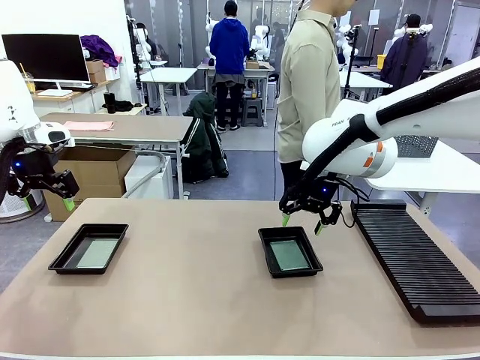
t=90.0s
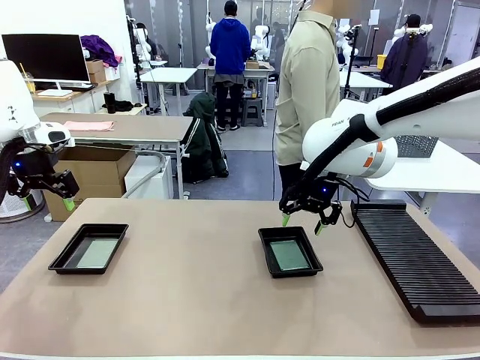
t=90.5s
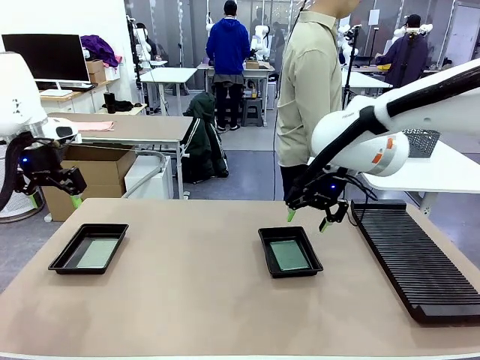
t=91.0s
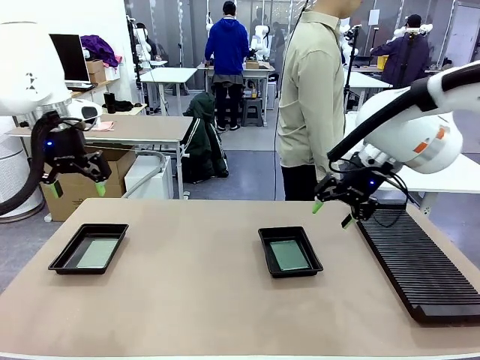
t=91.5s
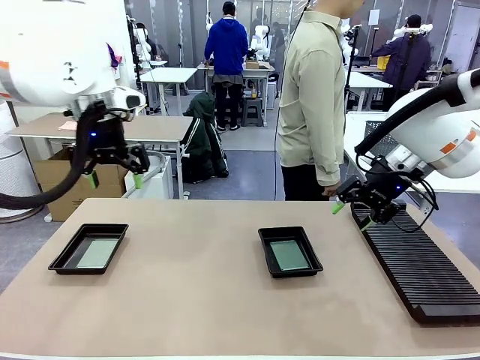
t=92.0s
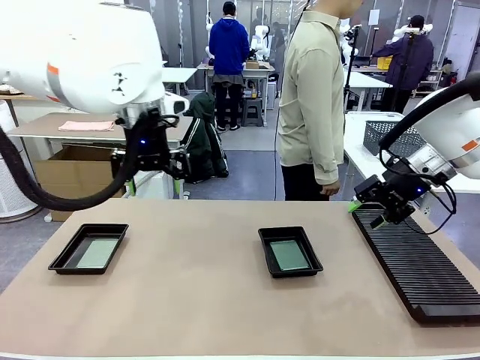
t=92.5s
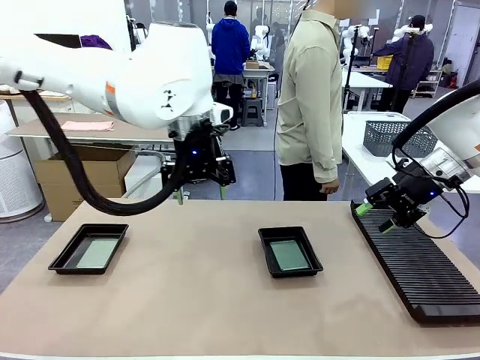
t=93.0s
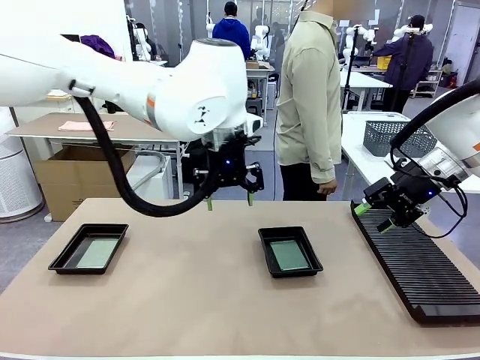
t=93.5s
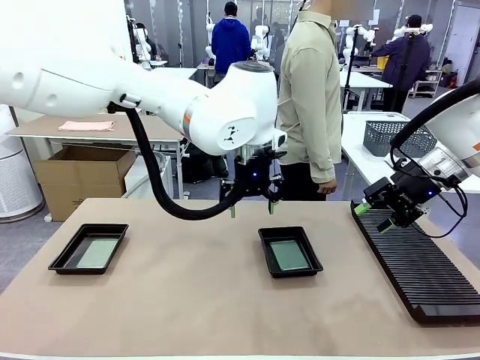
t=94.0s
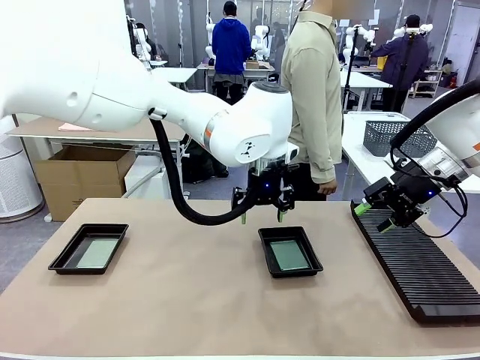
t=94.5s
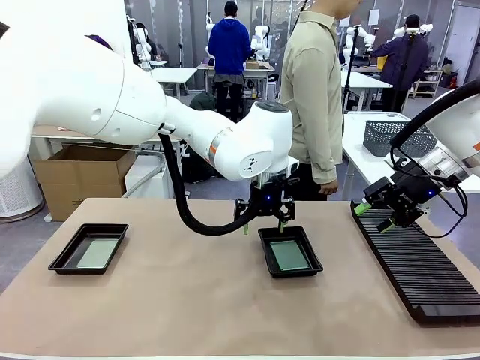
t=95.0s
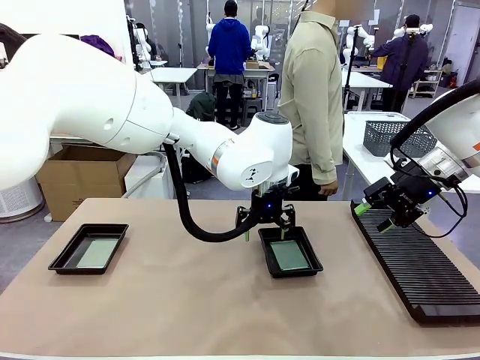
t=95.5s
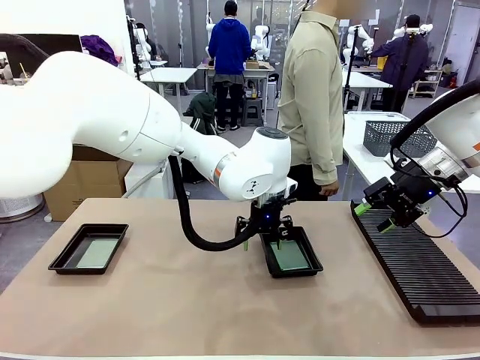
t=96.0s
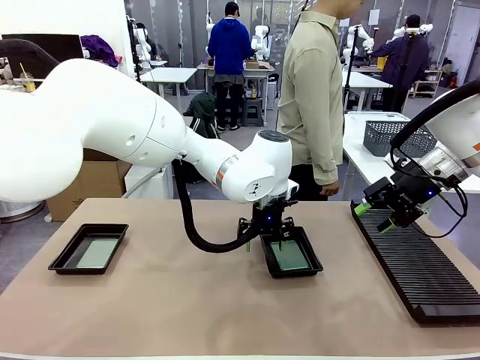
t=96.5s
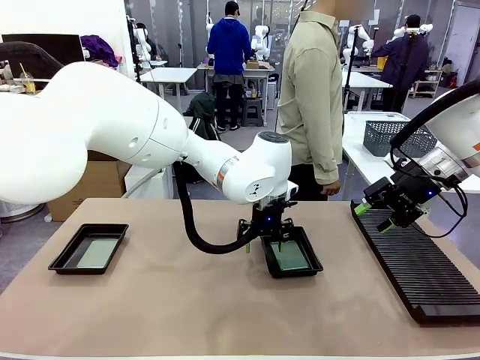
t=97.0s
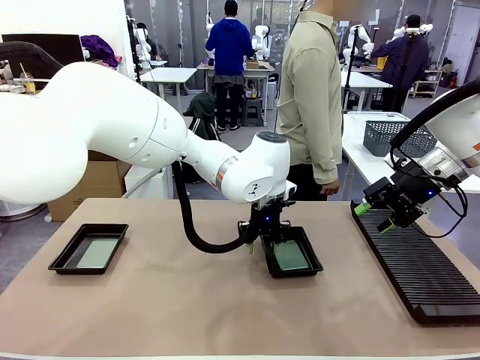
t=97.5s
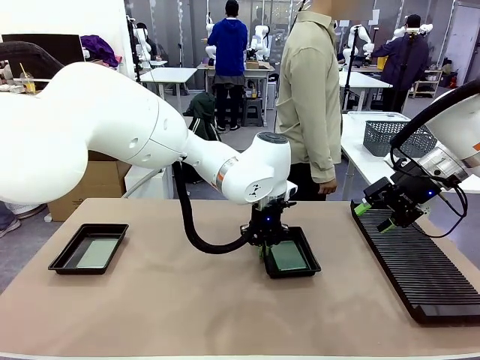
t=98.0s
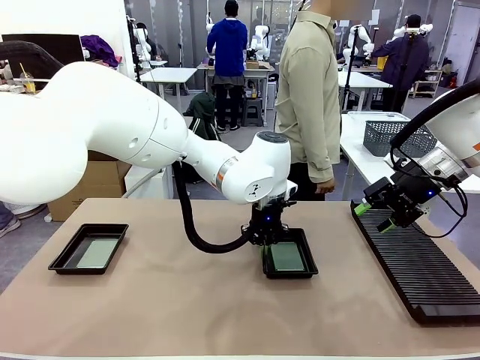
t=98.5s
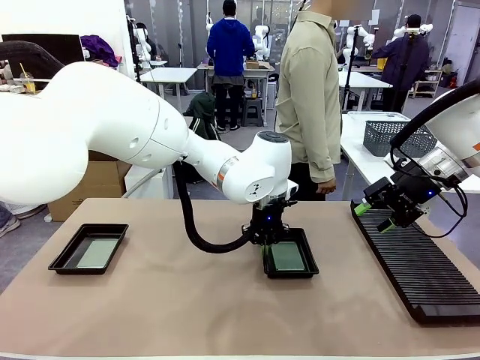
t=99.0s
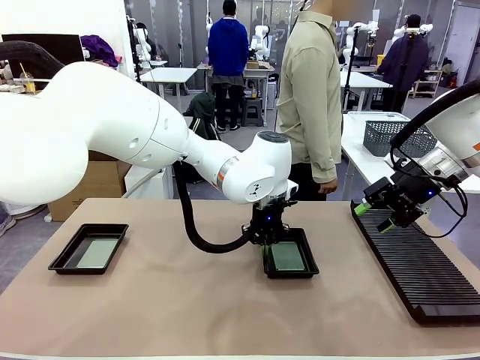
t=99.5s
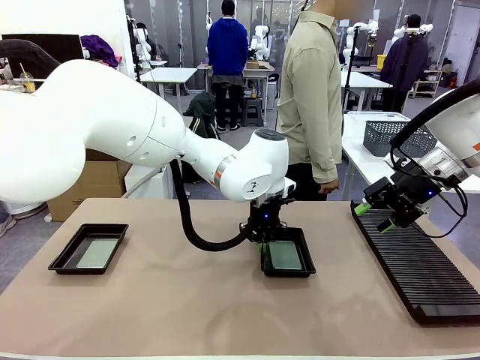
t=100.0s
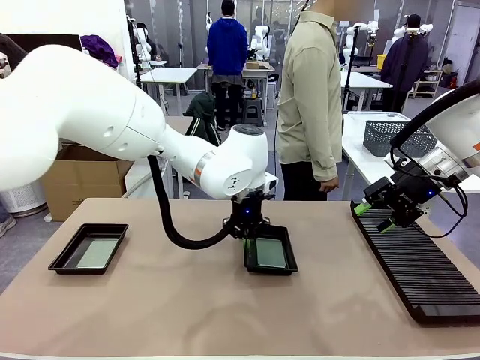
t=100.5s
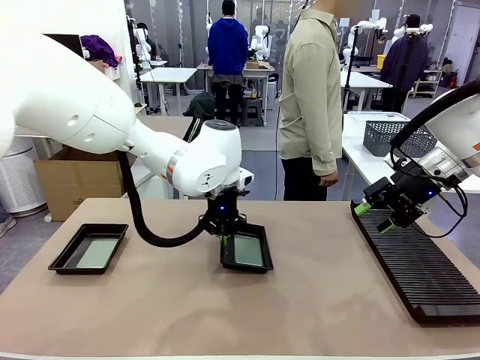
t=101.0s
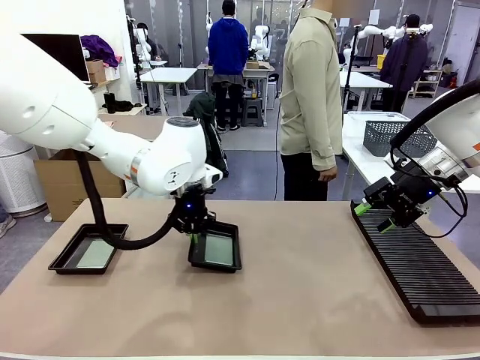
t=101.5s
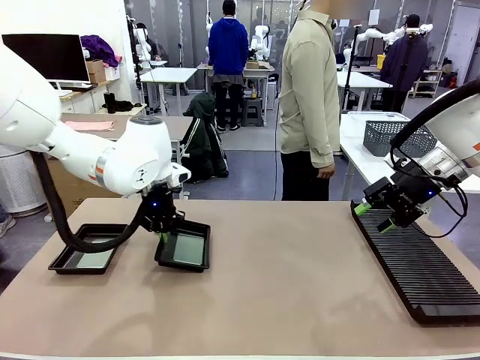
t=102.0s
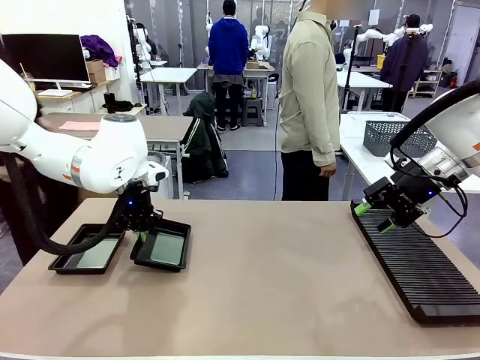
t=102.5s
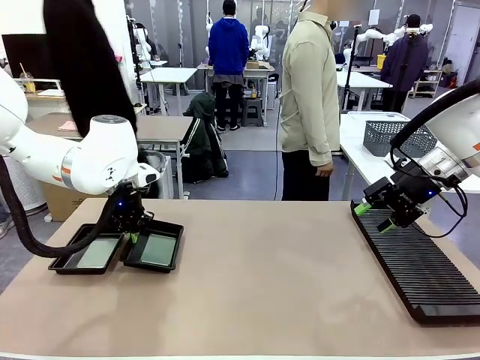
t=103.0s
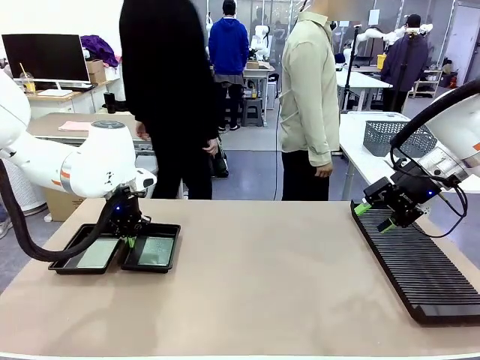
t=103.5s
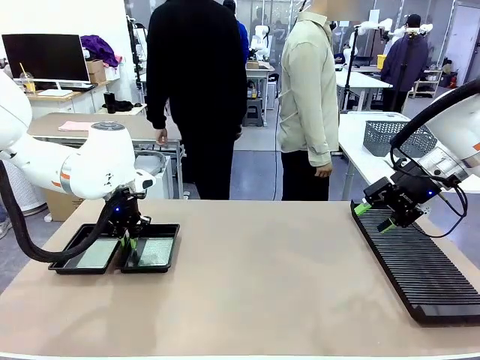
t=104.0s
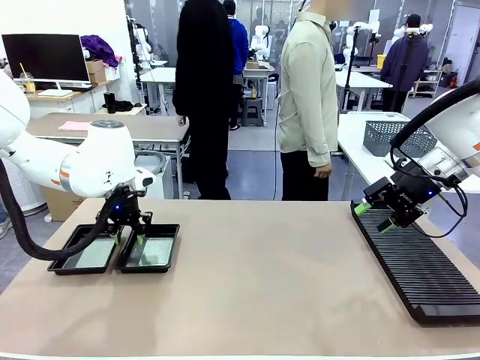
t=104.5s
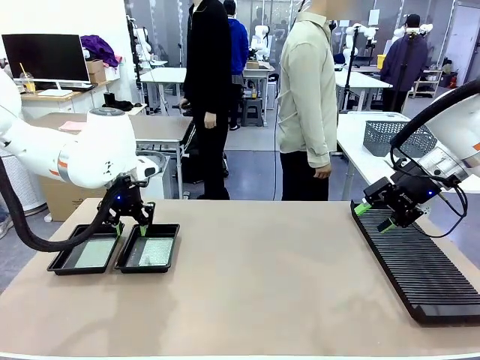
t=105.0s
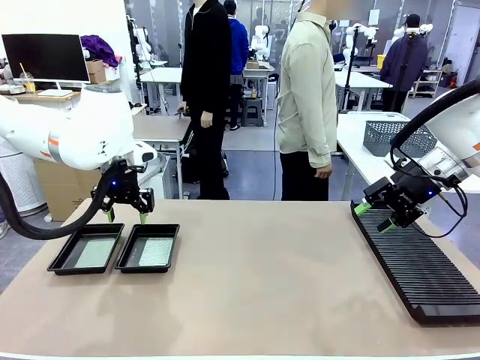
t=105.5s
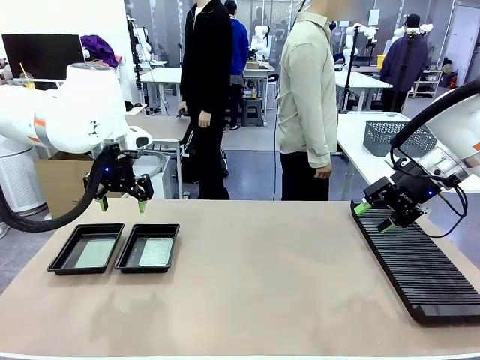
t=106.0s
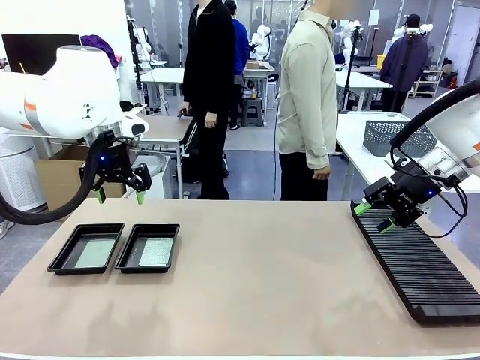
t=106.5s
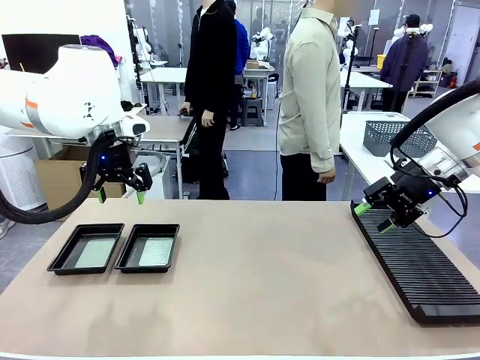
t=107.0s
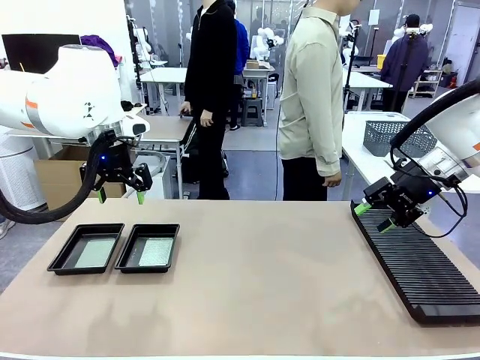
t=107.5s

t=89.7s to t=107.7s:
Task: Inspect and transfer BCBs to ESD trays.
Robot: Pick up the ESD tray and place it on the left side of the table.

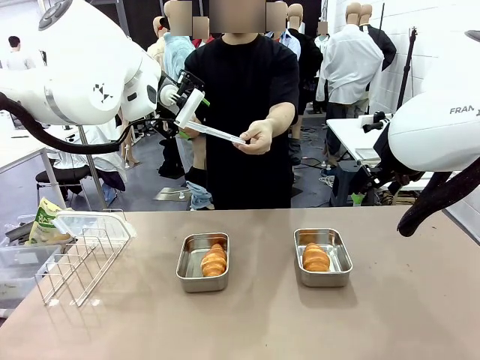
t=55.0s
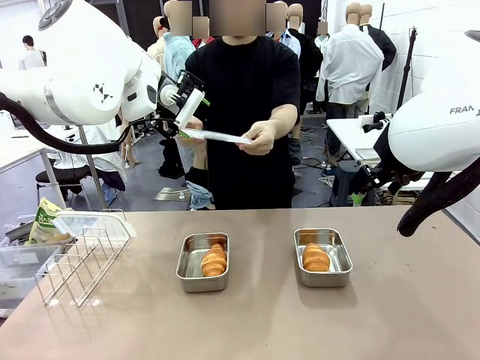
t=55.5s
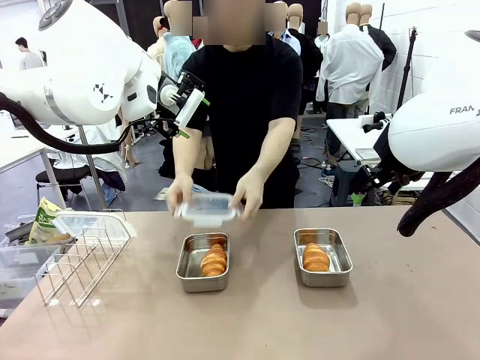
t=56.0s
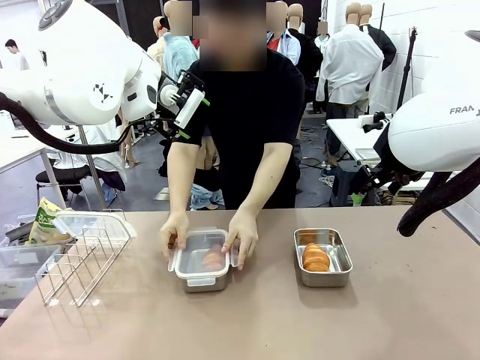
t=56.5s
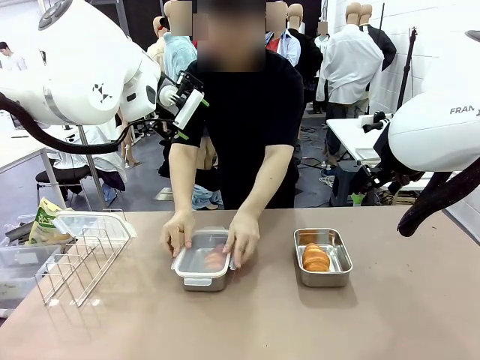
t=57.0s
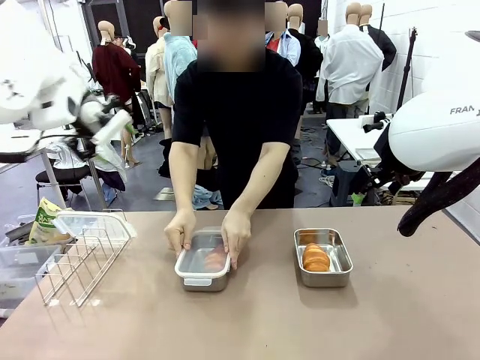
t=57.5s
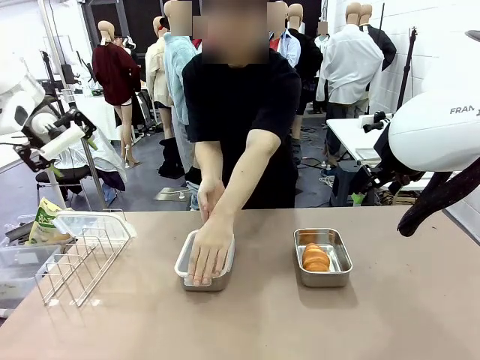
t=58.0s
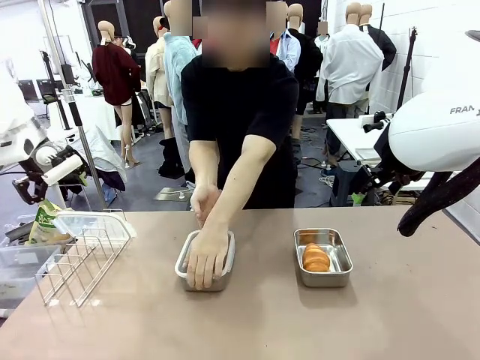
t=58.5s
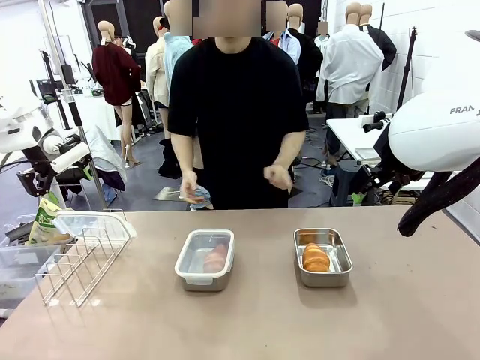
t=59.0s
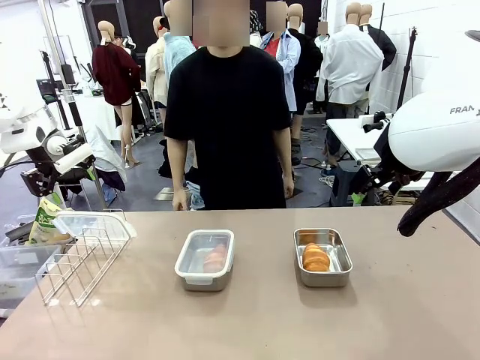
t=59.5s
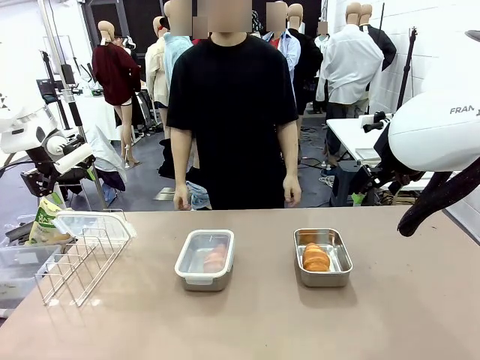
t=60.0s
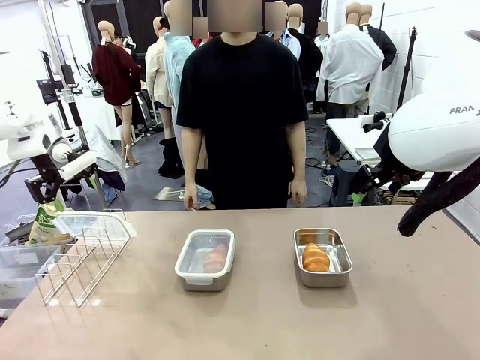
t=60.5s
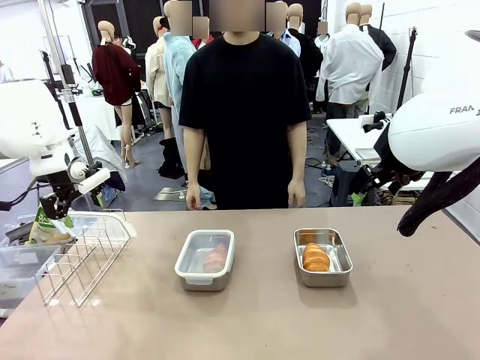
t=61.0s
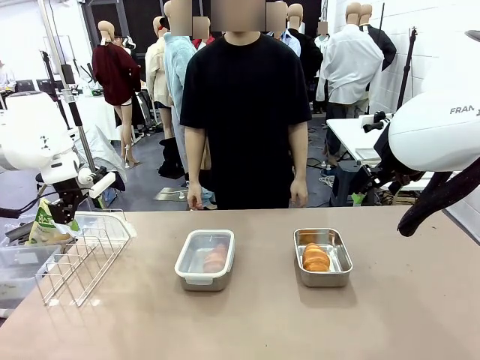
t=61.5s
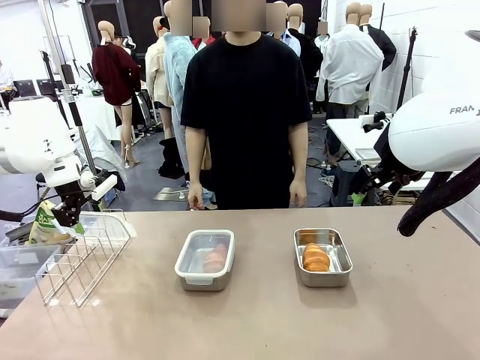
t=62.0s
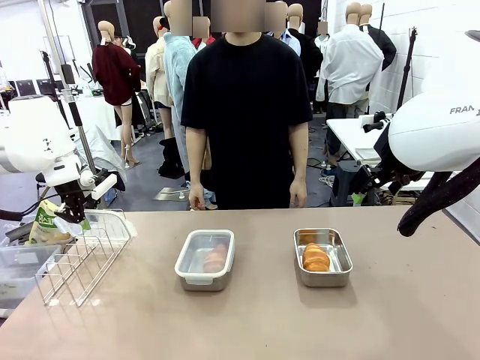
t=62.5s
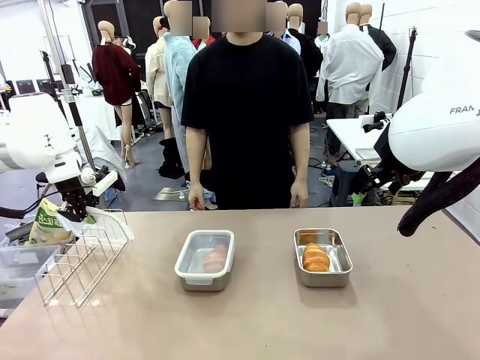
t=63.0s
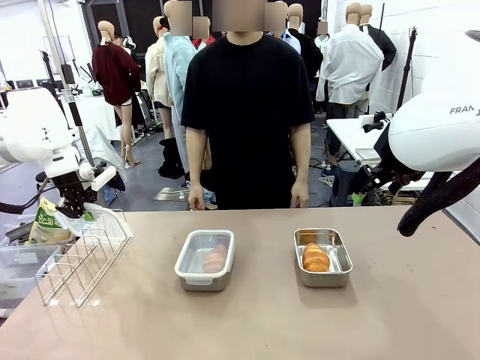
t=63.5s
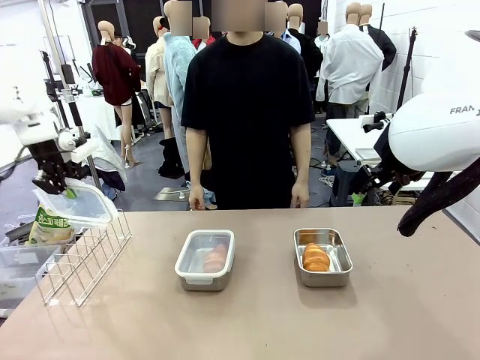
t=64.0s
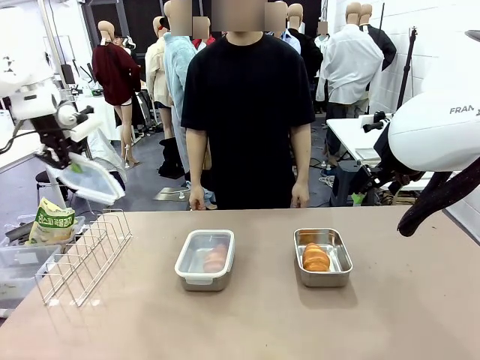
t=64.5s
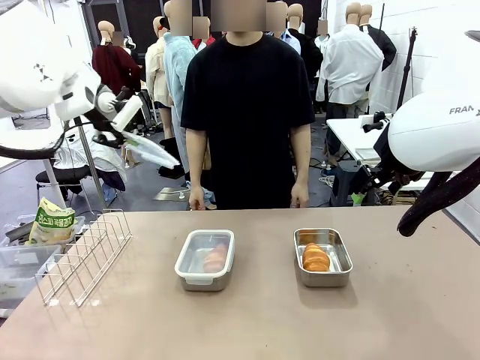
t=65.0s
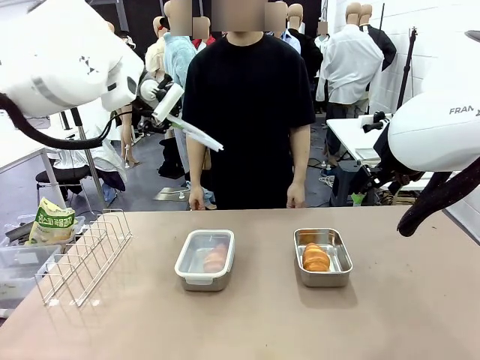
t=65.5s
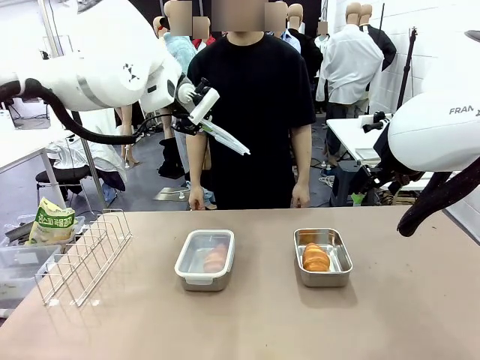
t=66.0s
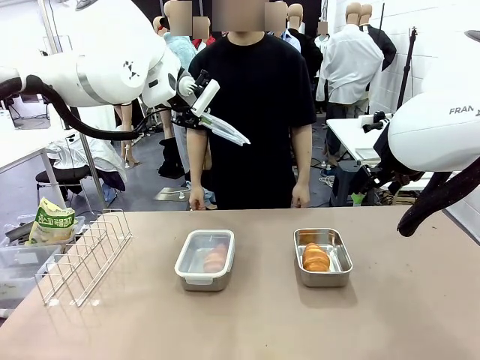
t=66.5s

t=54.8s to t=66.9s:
Task: Place the bread in airtight containers.
Robot: Pick up one Airtight Container lid and hand it to the human.
Person: Close Airtight Container with a handed Airtight Container lid. Grip Airtight Container lid that robot is handing.
